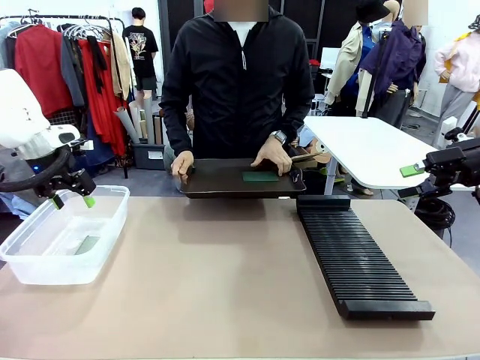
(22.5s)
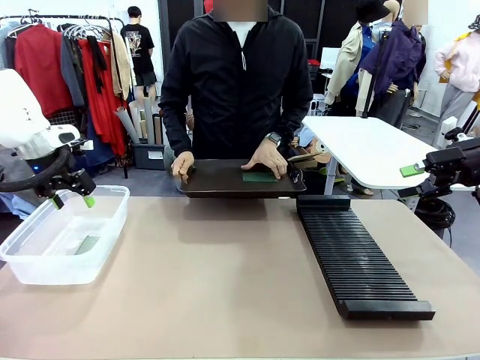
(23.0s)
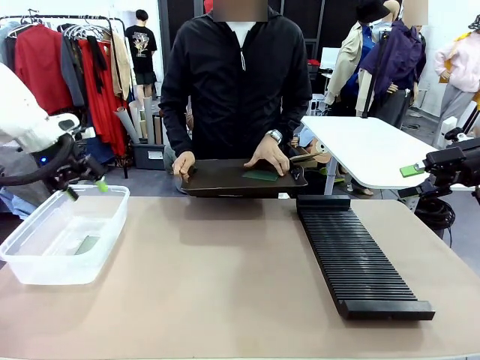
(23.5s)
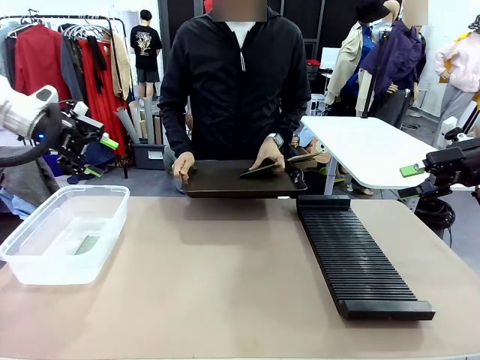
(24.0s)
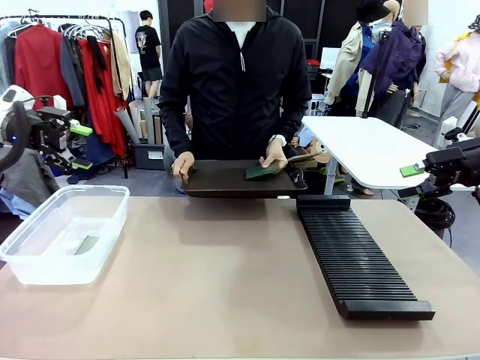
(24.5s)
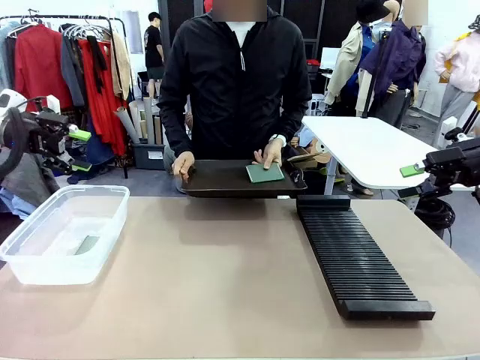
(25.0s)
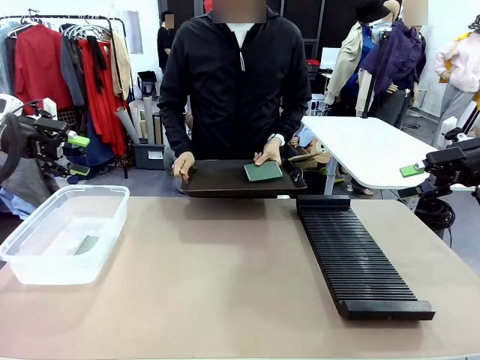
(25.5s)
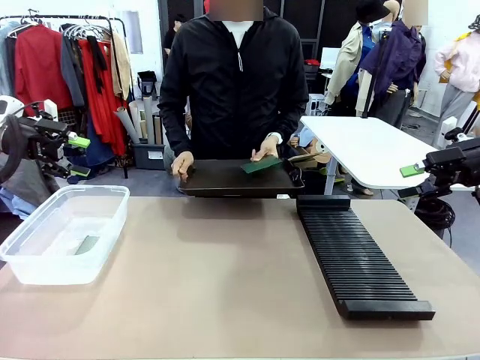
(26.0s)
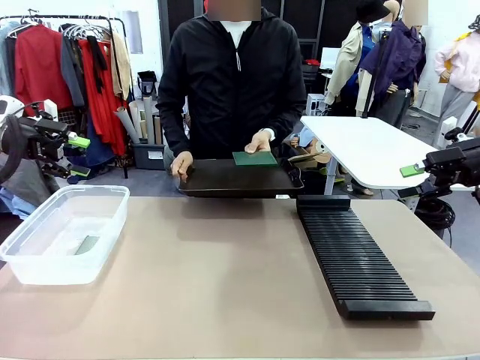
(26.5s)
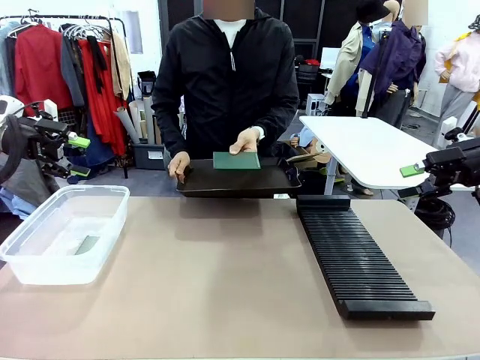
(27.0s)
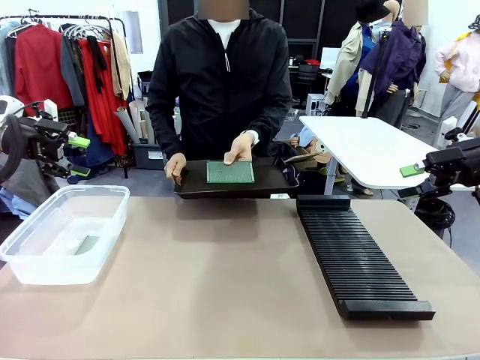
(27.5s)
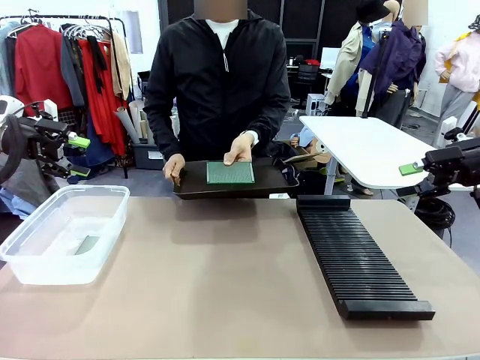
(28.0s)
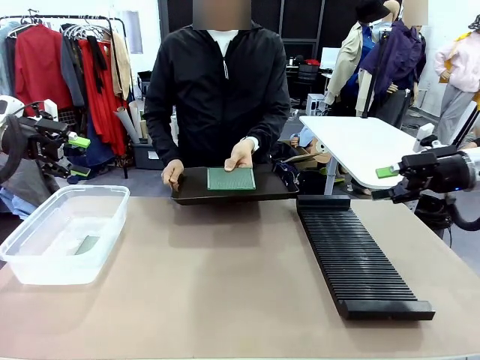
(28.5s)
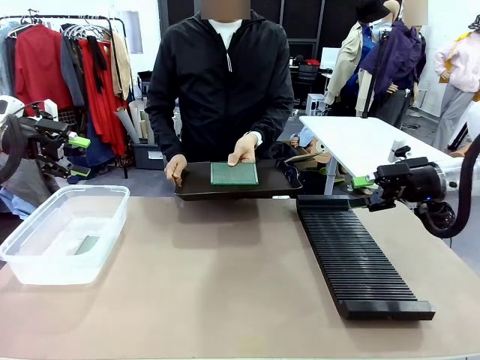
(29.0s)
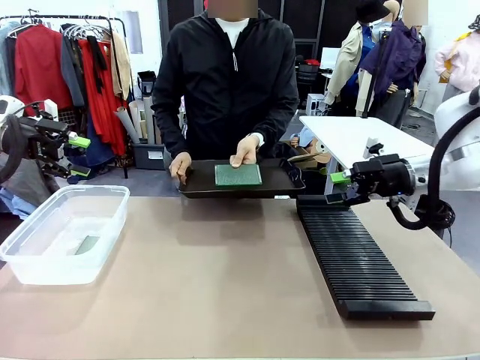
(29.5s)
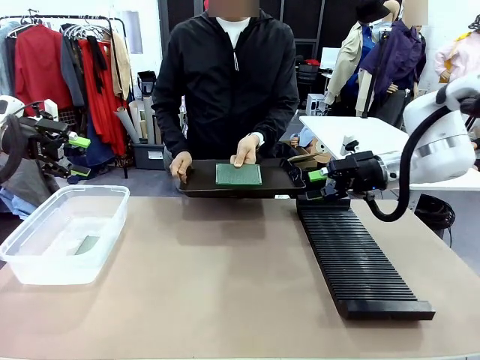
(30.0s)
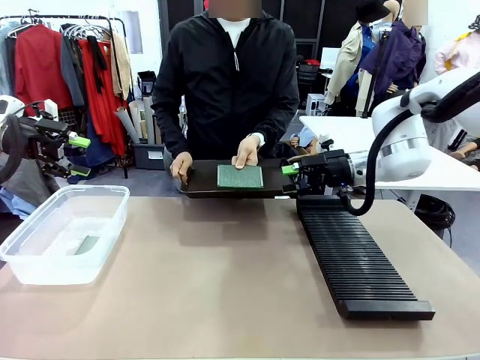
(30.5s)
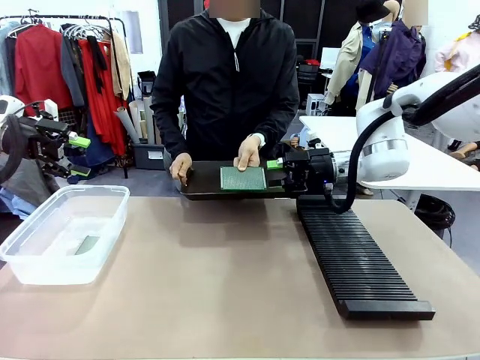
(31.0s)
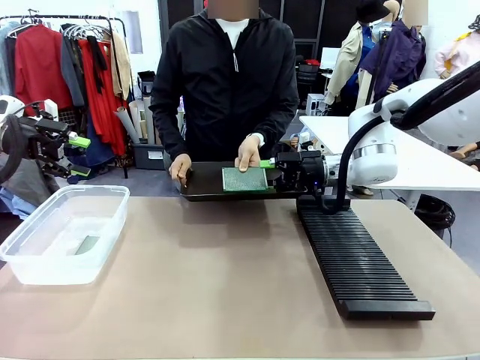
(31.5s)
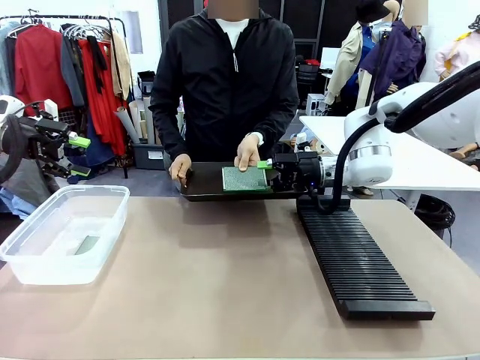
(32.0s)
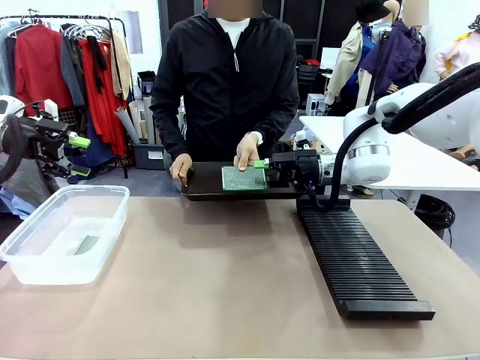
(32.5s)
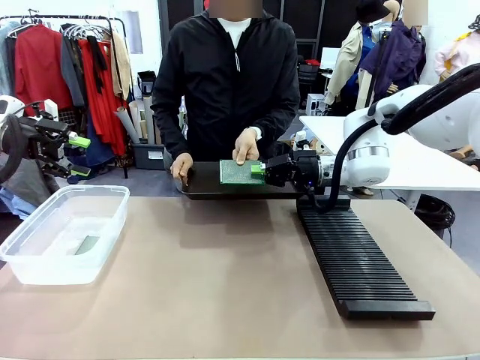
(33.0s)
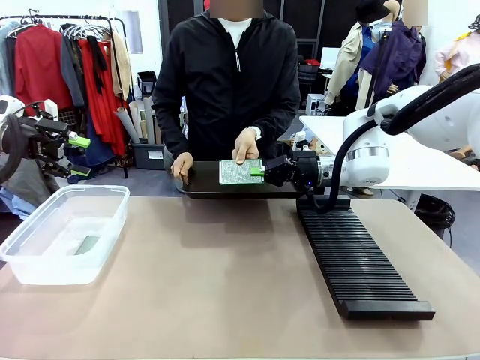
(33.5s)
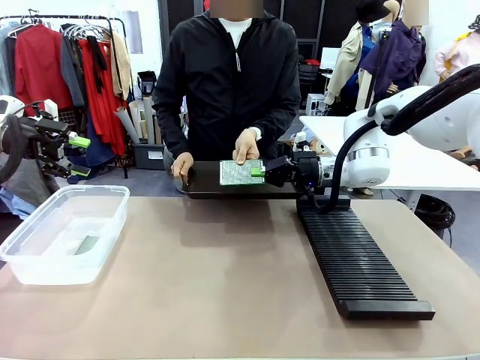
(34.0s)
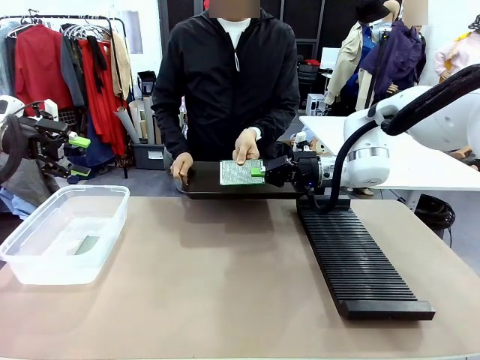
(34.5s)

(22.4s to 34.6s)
Task: Sort PCBs into racks and boxes based on the side picked up.
Robot: Pick up the Blank PCB handed by the Human.

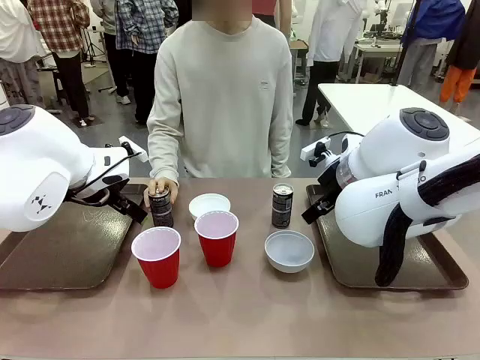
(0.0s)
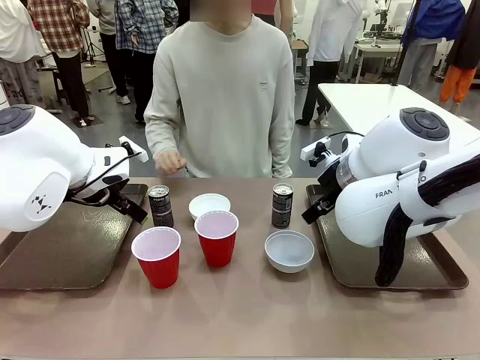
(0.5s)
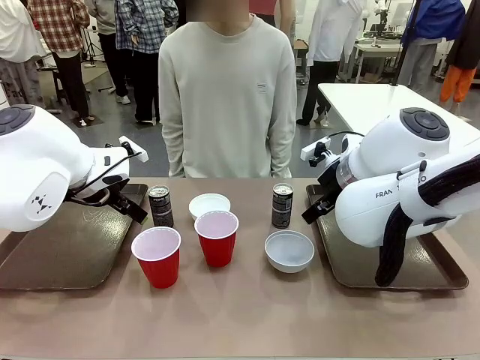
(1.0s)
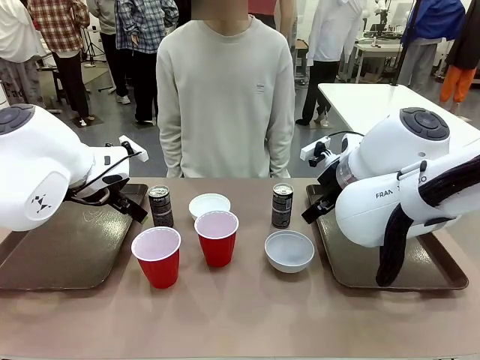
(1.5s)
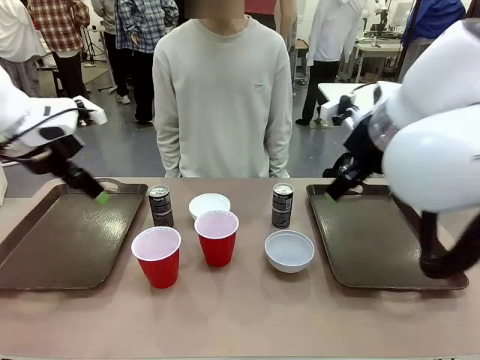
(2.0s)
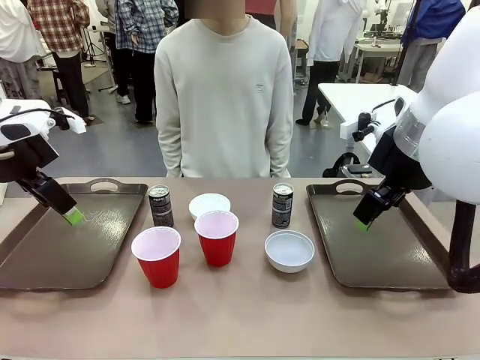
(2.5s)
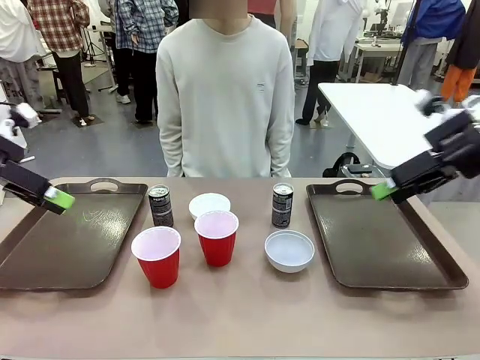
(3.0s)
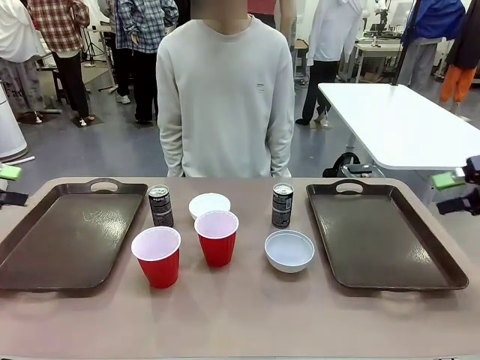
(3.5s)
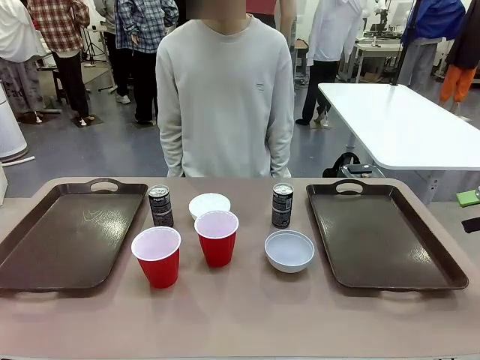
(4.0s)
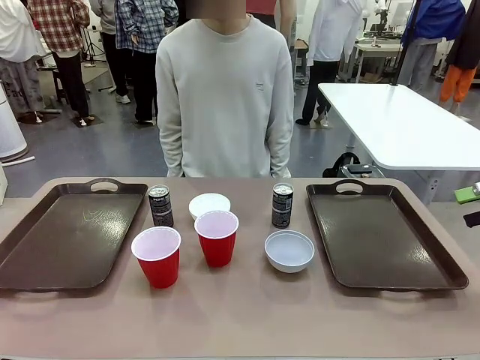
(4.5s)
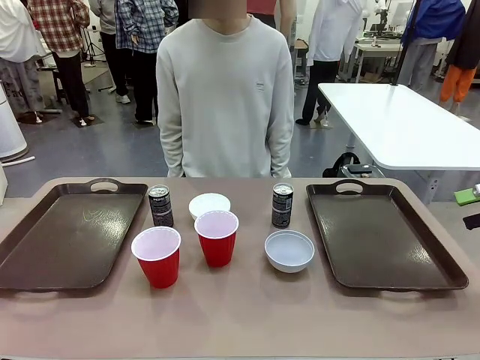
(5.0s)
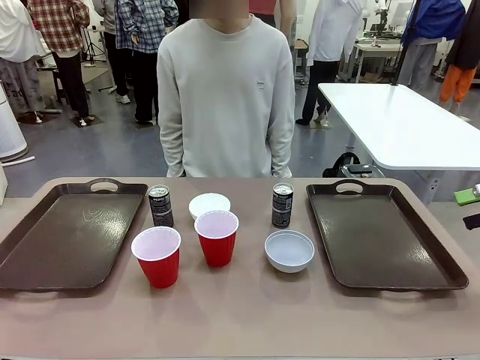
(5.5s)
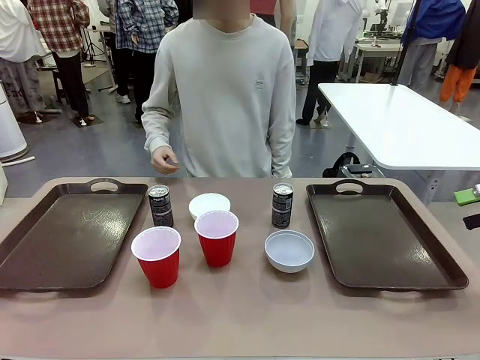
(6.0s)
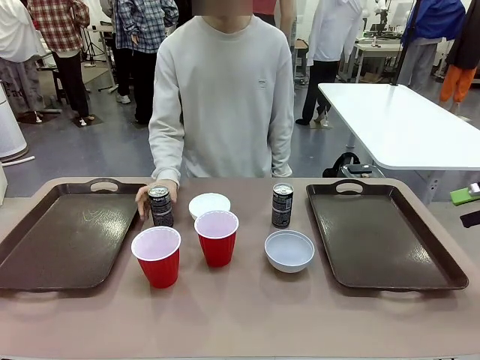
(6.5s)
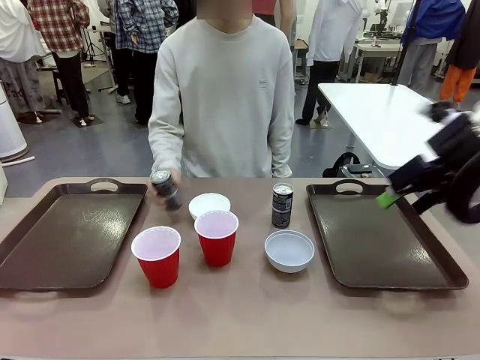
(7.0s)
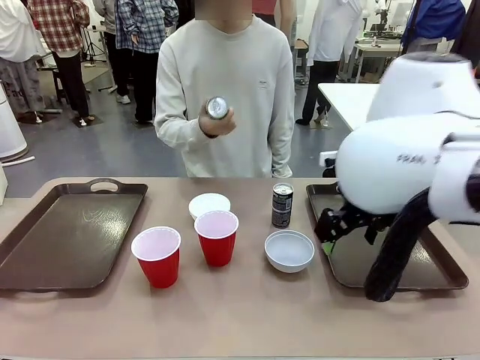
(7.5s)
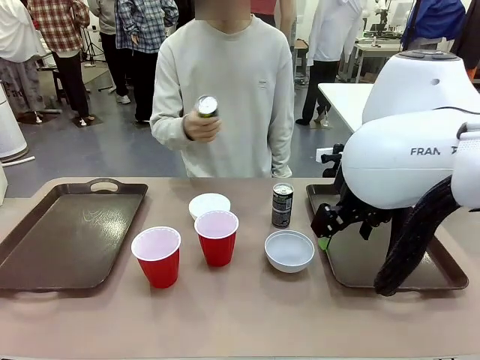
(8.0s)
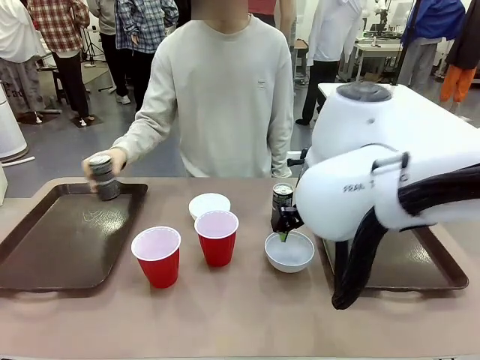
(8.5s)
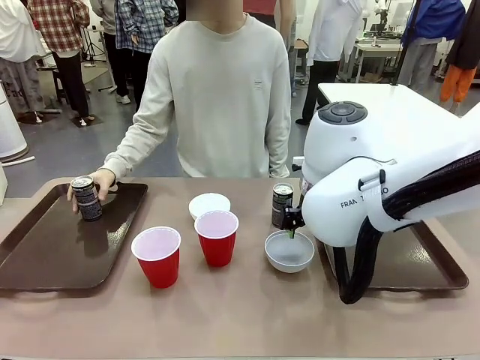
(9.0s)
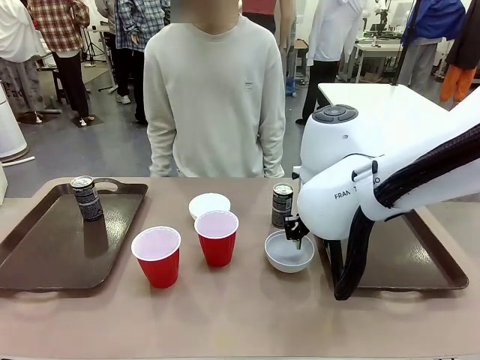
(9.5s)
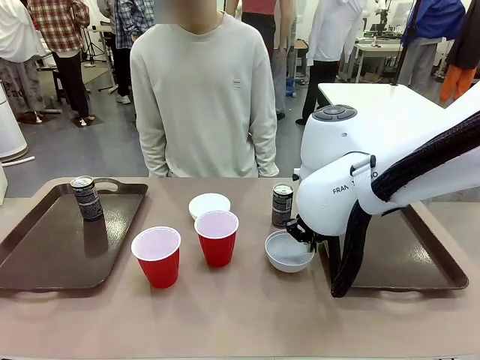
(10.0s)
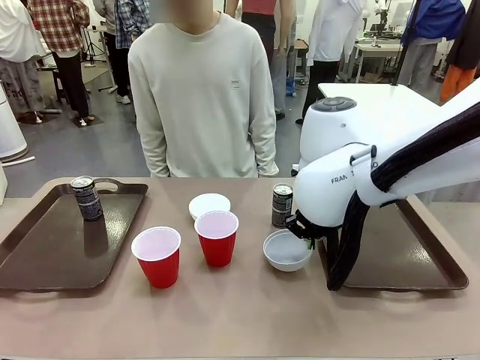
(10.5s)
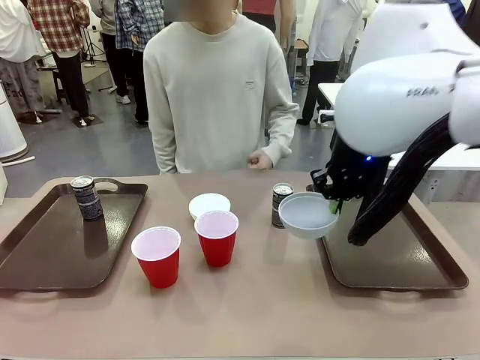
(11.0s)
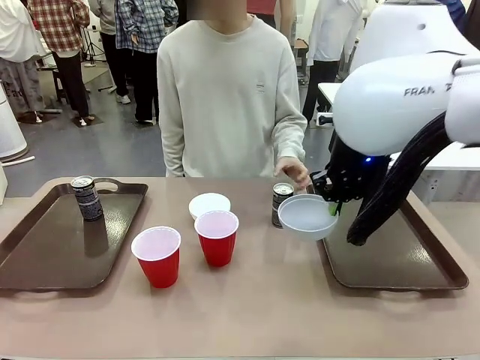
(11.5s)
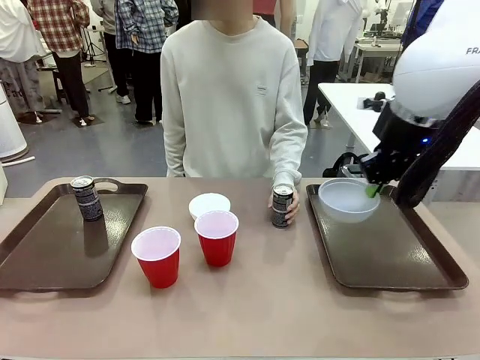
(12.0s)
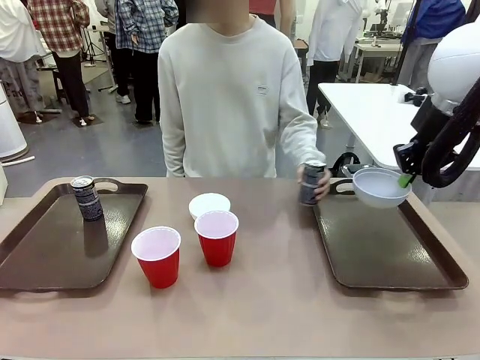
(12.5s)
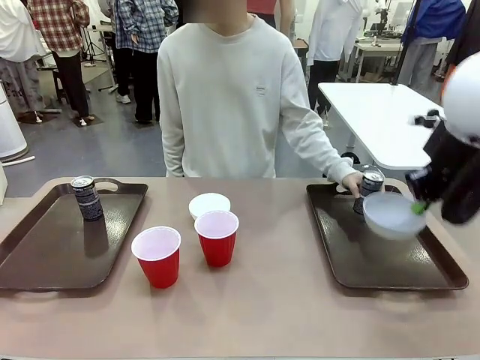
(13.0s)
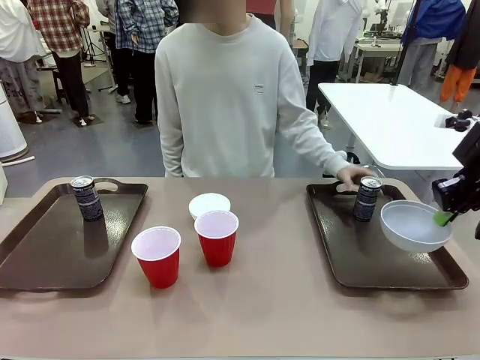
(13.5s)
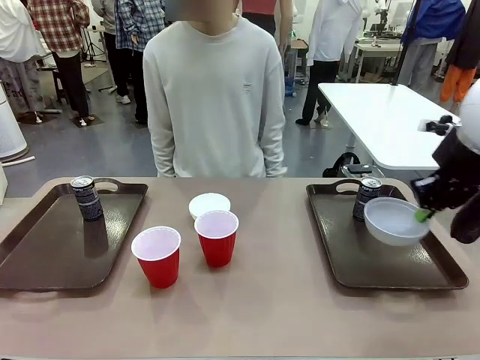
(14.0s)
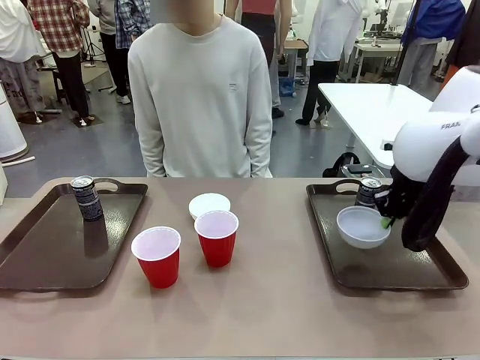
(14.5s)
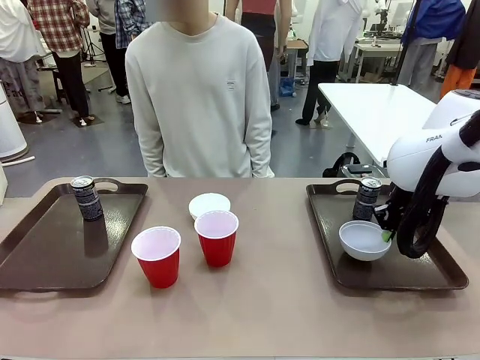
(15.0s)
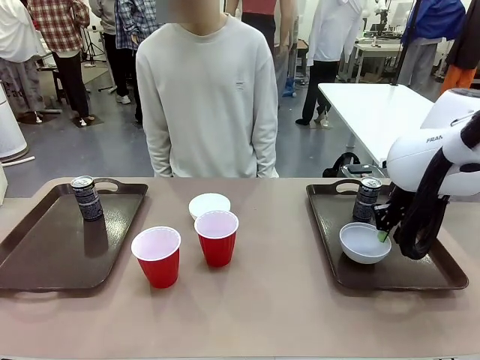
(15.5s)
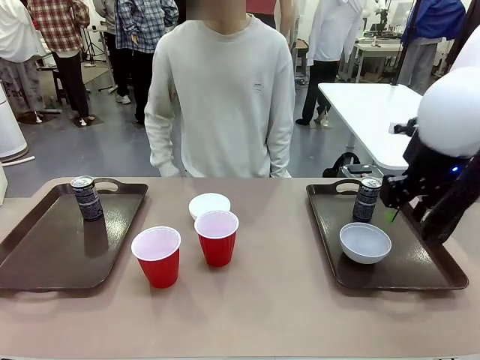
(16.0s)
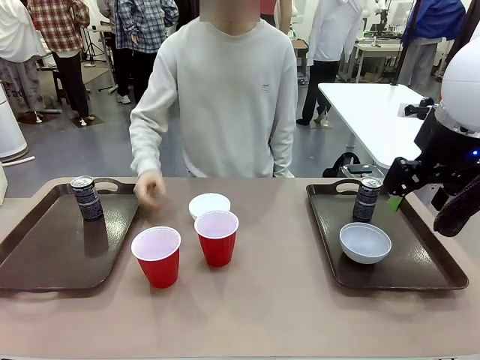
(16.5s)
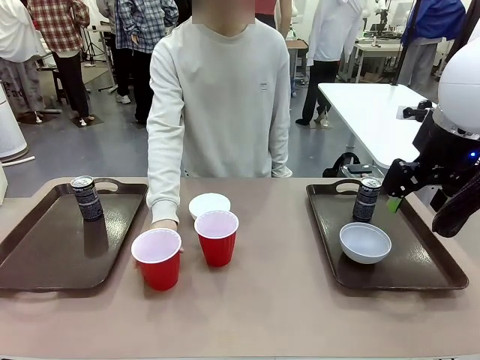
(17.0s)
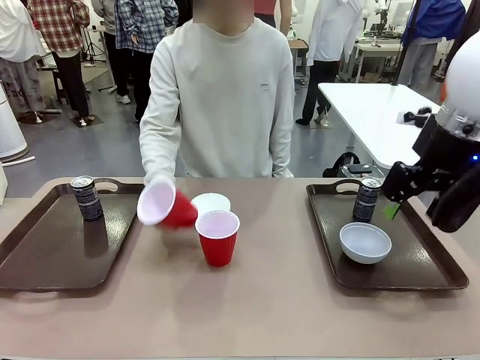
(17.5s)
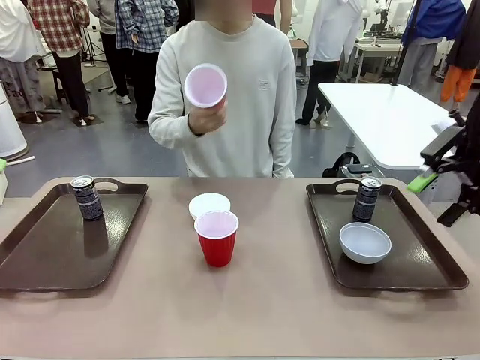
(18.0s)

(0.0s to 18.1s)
Task: Prepare tableware on both trays.
Robot: Pick up a Picnic Bowl from the table and place it on a Handle tray.
Person: Pick up a can or cup and place it on the tray.
